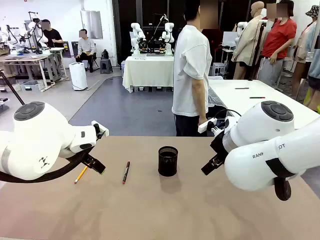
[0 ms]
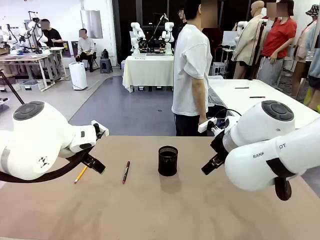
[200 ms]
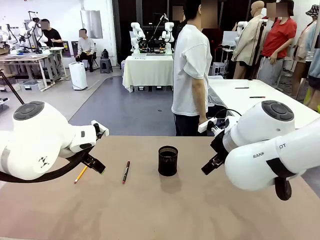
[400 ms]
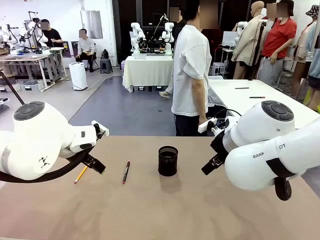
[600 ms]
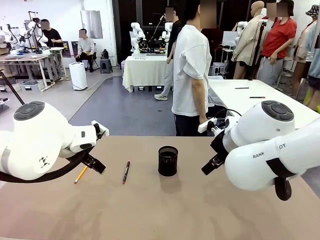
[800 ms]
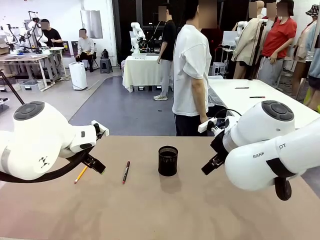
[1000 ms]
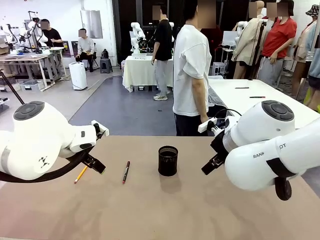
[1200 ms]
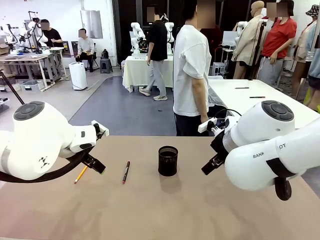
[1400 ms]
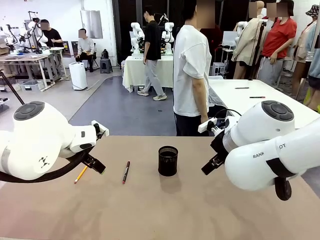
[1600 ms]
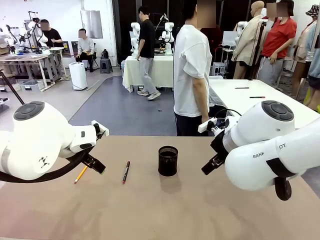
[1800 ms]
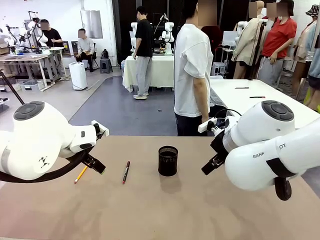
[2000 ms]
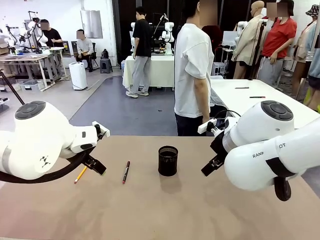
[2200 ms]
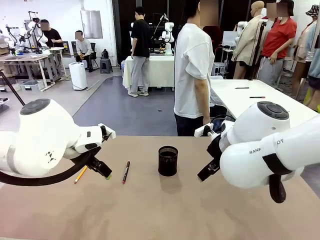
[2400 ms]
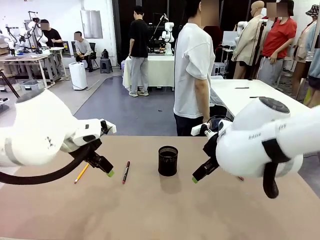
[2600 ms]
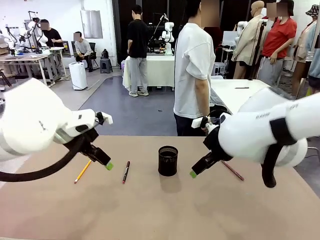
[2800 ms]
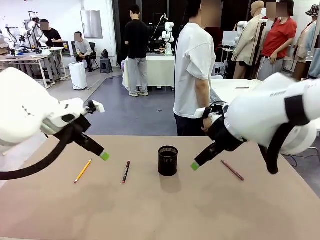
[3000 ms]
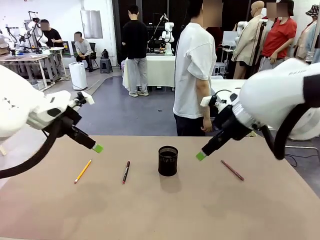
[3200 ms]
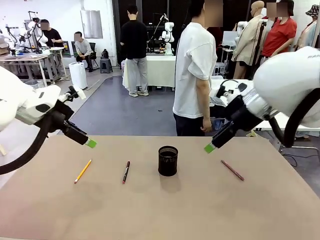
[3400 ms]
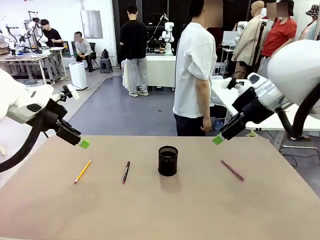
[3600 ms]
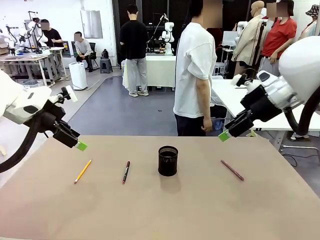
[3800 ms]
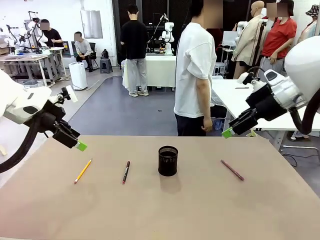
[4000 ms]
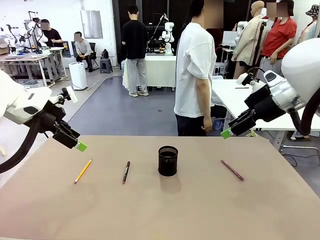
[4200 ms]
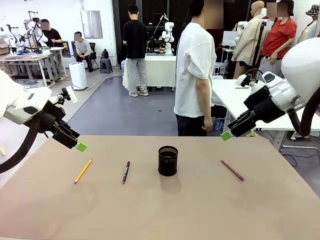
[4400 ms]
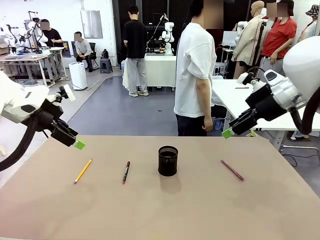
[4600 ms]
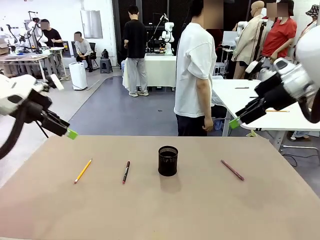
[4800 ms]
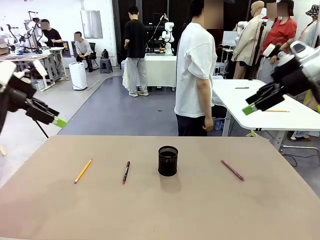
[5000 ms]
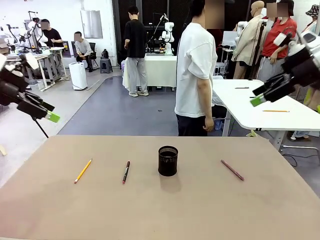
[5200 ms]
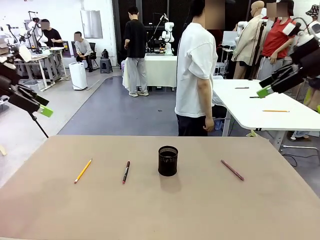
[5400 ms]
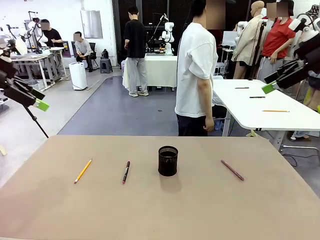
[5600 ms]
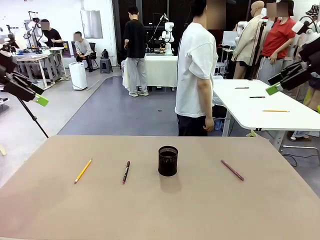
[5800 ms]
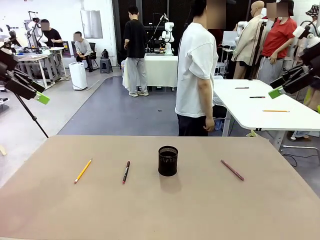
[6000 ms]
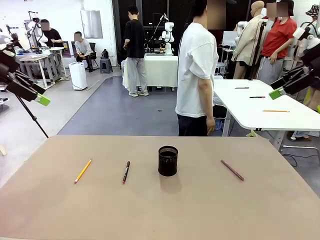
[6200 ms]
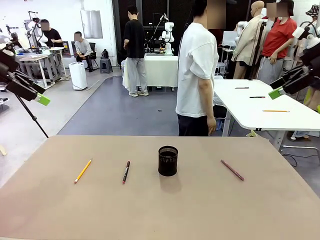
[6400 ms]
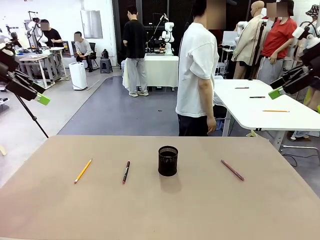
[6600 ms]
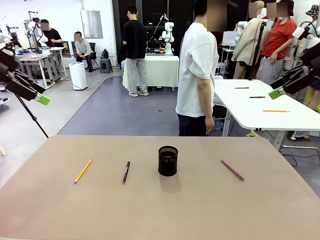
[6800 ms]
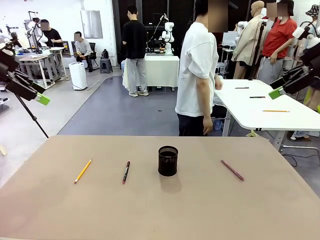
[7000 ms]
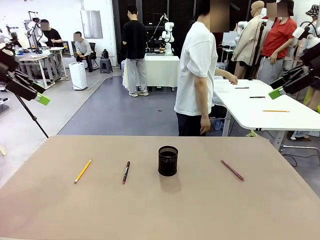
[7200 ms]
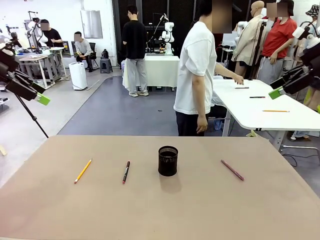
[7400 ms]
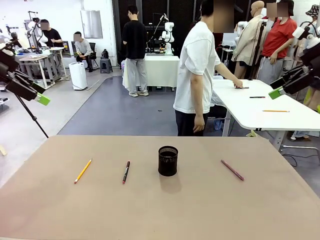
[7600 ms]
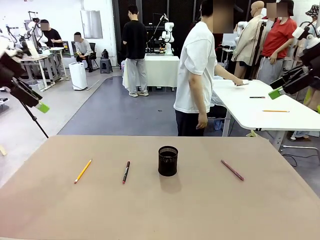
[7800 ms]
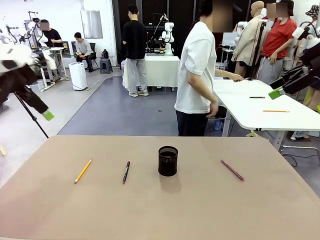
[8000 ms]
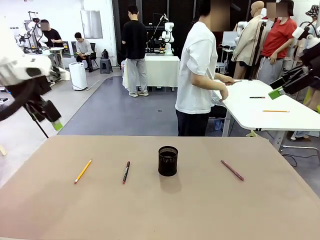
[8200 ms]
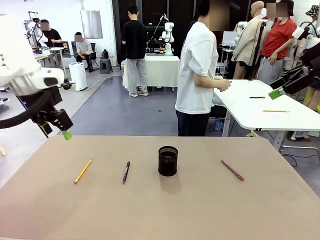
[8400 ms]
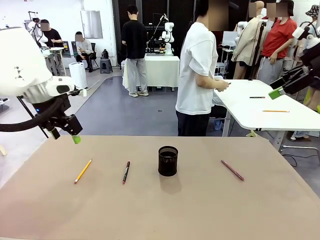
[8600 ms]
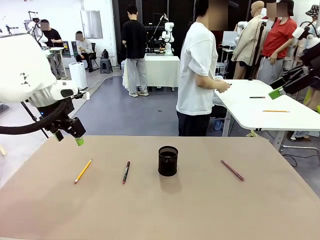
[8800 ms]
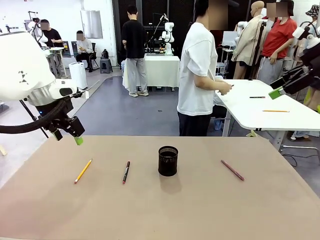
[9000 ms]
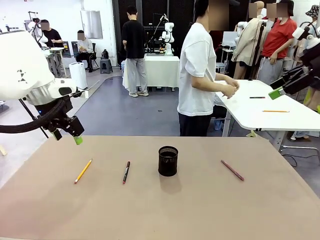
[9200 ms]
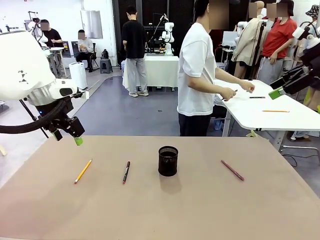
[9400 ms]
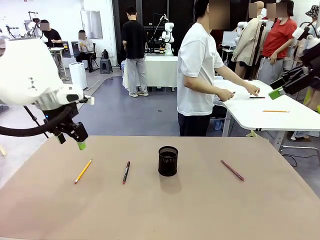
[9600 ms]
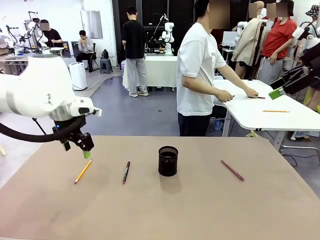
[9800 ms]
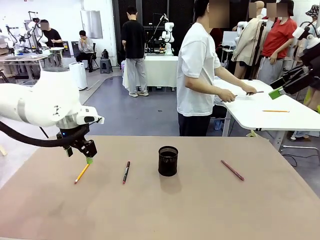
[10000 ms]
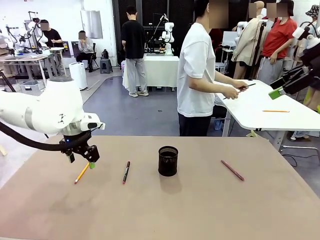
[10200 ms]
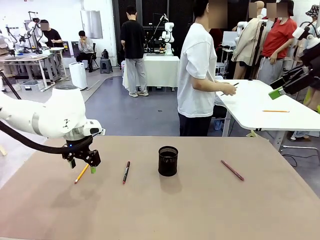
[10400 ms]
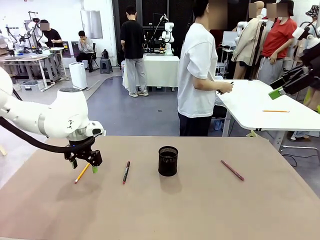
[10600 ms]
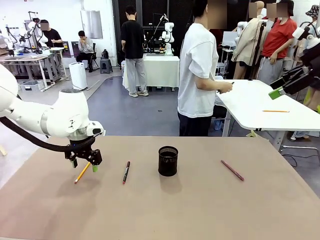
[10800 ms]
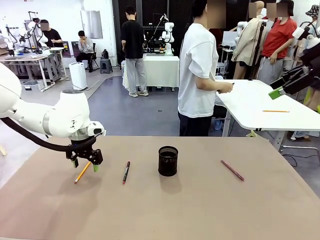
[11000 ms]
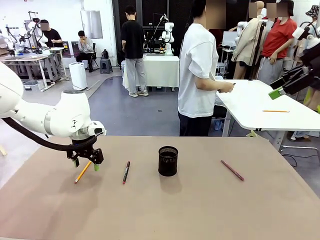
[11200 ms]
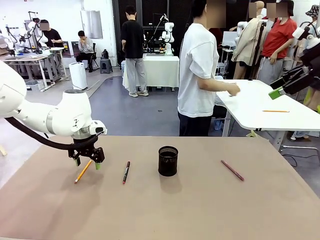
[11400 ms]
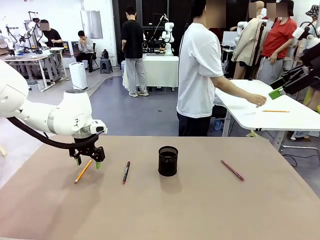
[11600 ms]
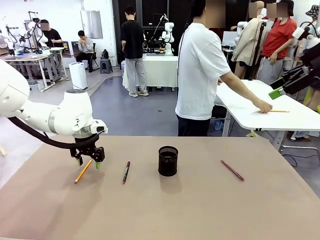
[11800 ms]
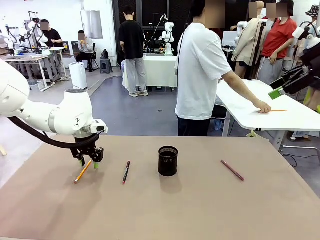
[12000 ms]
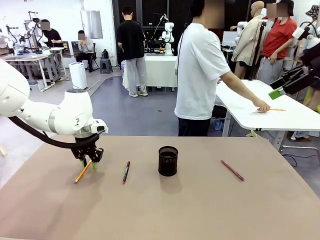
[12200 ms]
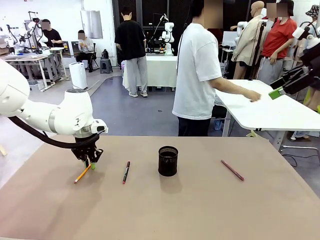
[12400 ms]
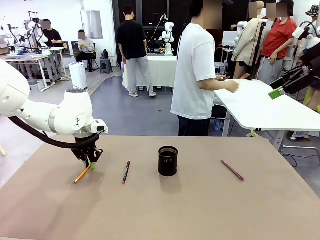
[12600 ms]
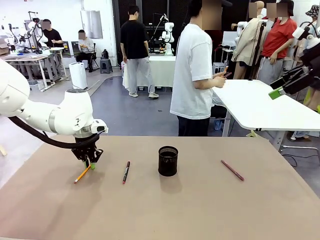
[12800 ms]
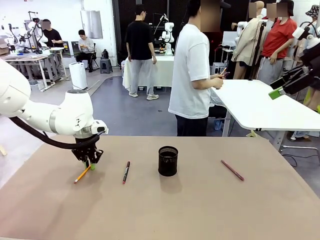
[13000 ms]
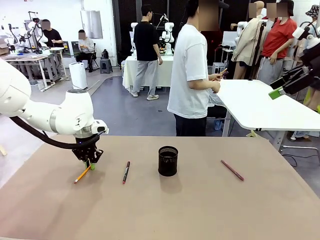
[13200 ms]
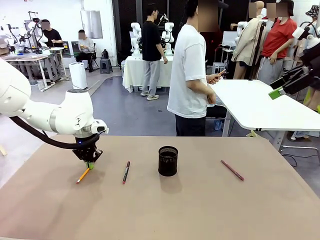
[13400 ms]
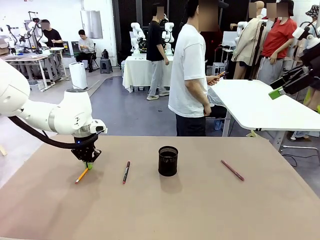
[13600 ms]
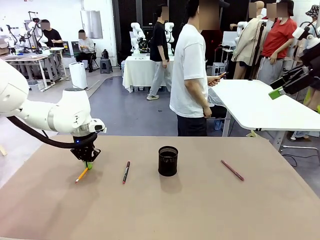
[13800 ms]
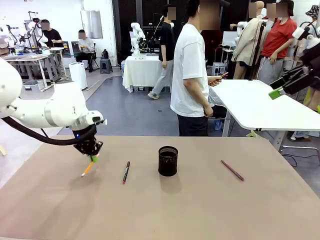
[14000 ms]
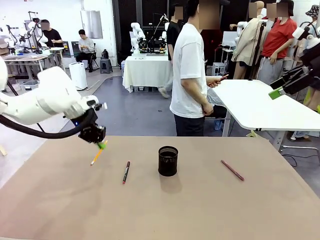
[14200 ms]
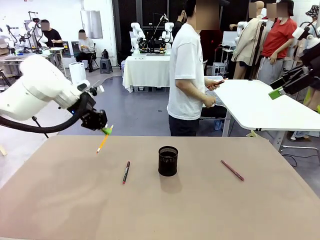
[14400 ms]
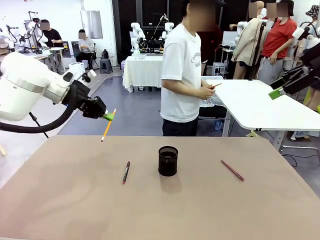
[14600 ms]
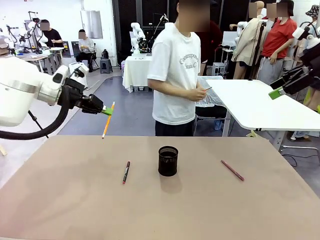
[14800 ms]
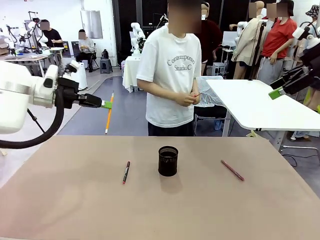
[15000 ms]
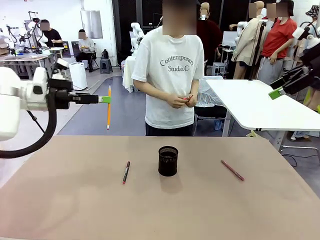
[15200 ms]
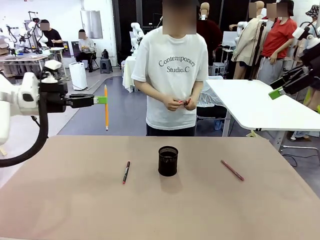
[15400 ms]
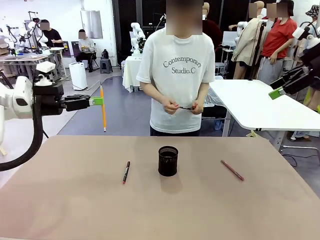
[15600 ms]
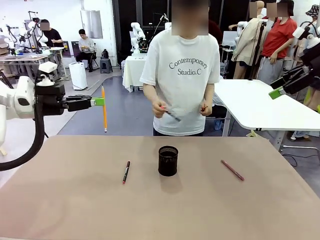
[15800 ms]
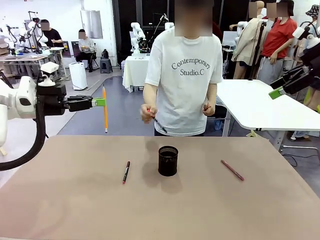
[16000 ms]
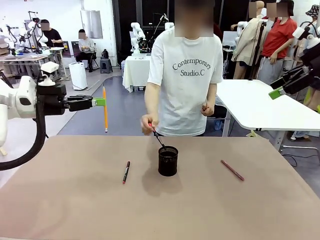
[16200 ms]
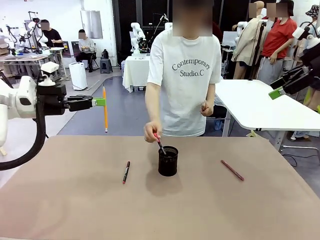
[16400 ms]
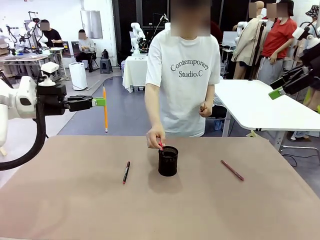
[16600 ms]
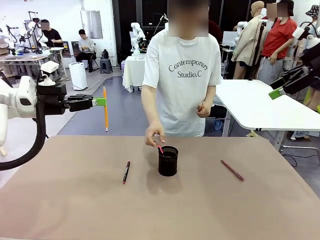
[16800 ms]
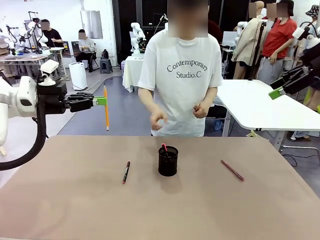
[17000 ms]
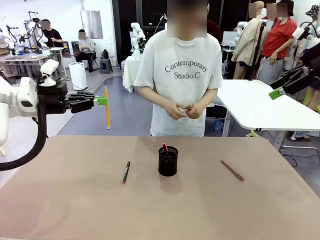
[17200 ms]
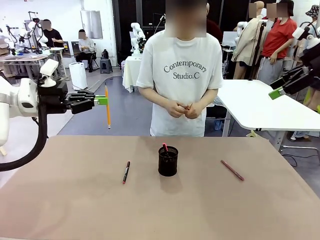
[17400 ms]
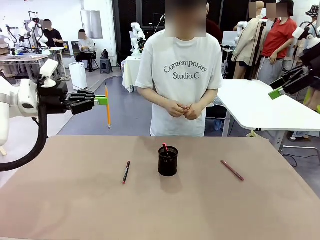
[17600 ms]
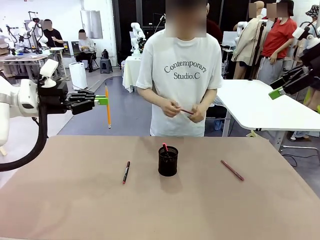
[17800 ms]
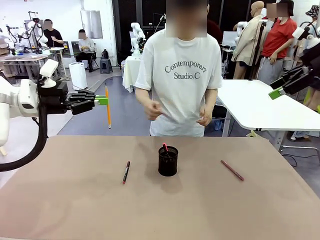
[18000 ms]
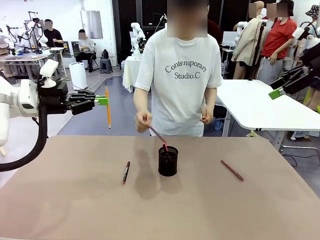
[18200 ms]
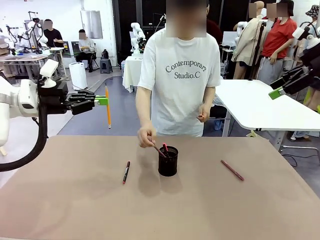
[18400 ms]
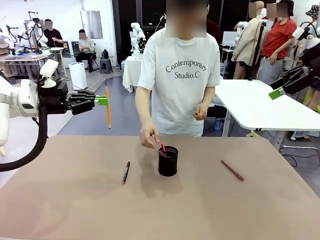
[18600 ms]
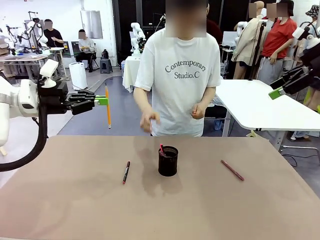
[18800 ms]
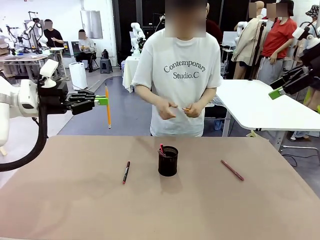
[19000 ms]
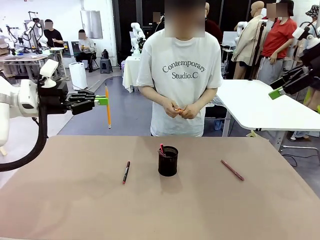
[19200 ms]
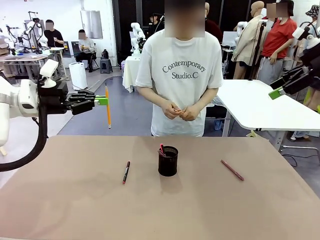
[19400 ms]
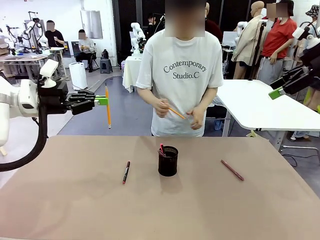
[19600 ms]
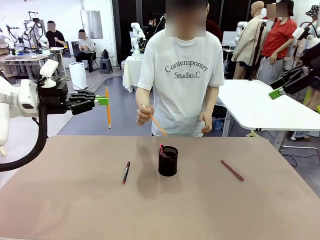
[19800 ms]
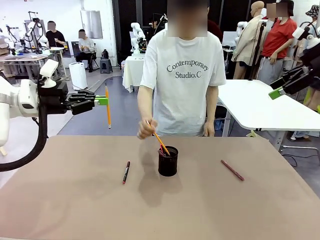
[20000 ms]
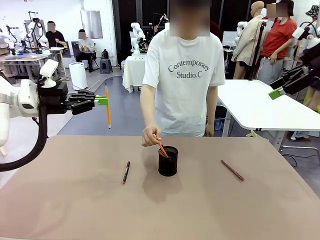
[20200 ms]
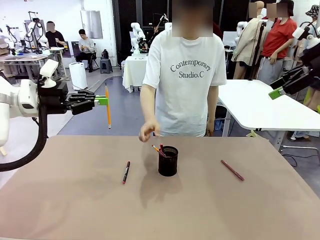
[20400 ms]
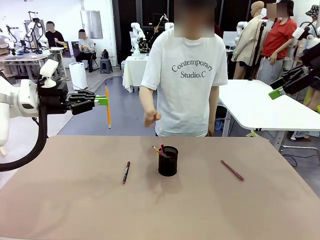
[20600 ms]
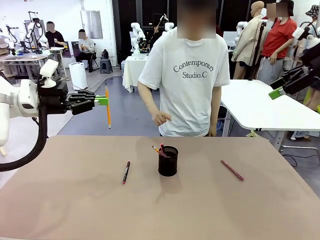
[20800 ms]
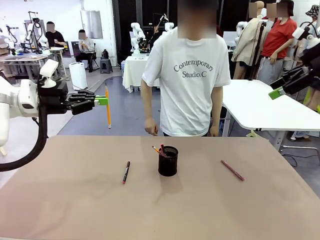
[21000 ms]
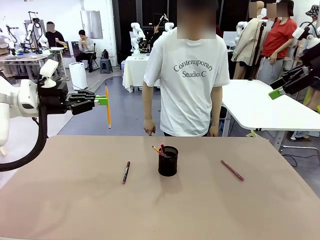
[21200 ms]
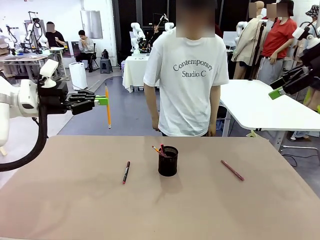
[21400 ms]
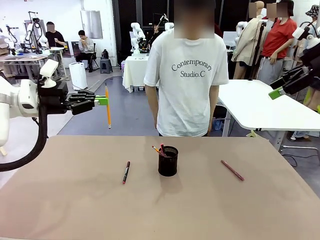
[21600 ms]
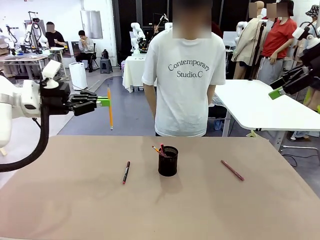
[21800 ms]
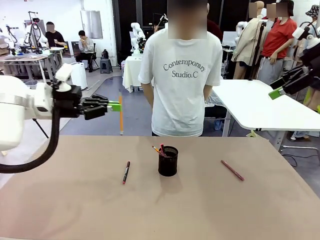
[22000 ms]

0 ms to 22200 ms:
Task: Place the pens into the pen holder.
Robot: Pick up a writing instrument from the table and place it into the Pen holder.
Person: Pick up all writing instruments from the Human table.
